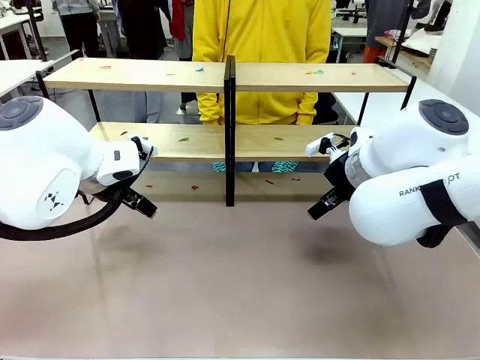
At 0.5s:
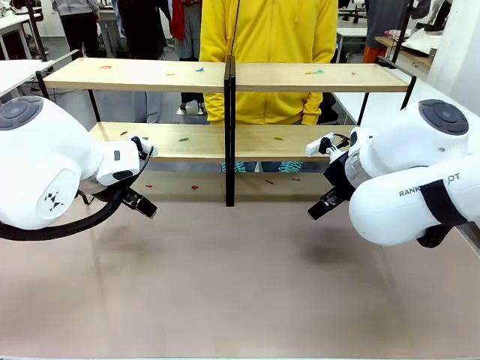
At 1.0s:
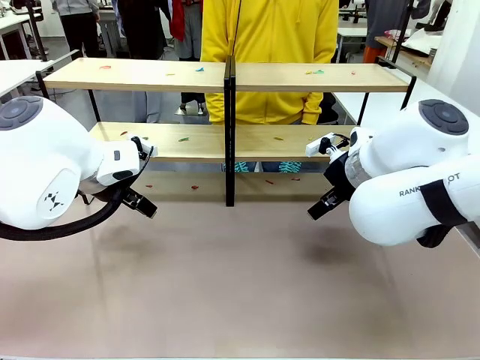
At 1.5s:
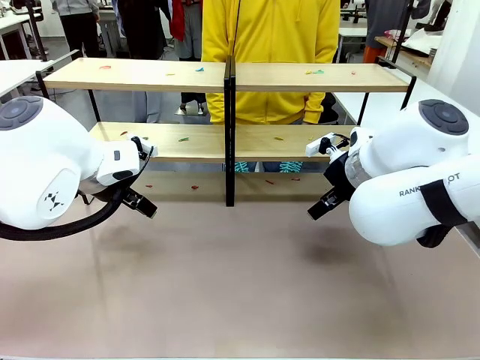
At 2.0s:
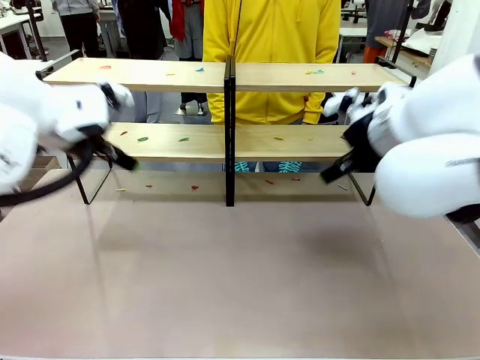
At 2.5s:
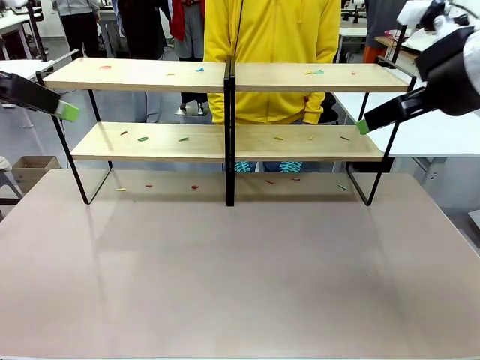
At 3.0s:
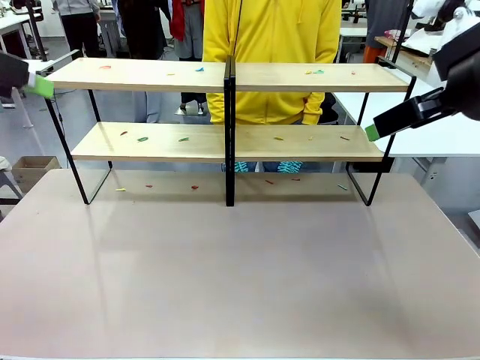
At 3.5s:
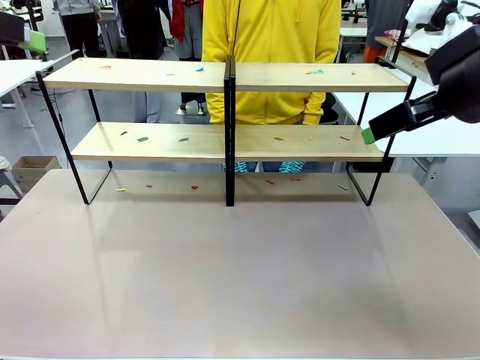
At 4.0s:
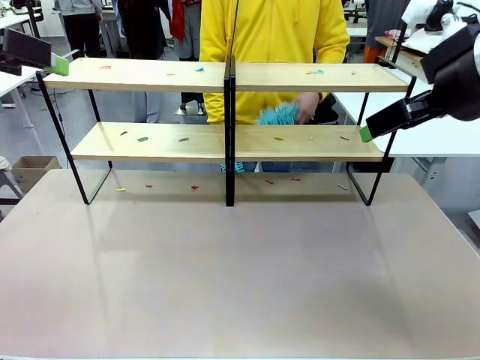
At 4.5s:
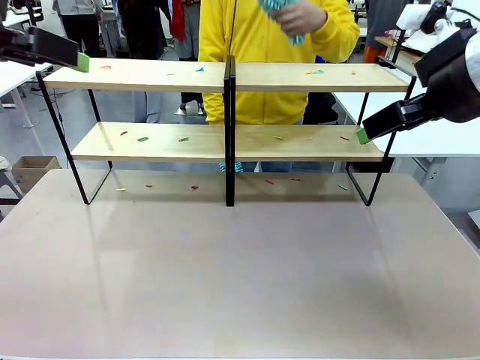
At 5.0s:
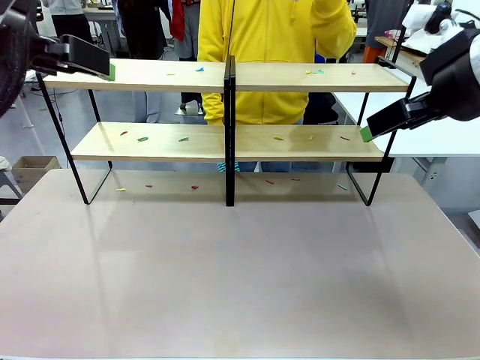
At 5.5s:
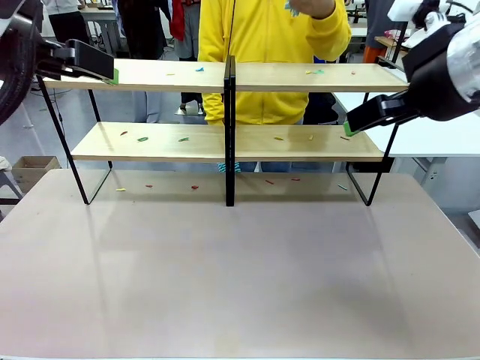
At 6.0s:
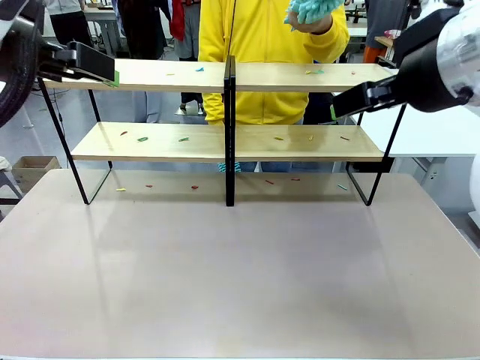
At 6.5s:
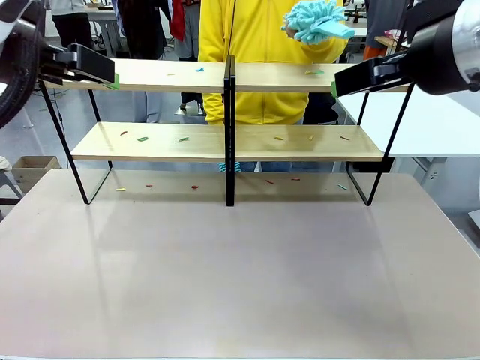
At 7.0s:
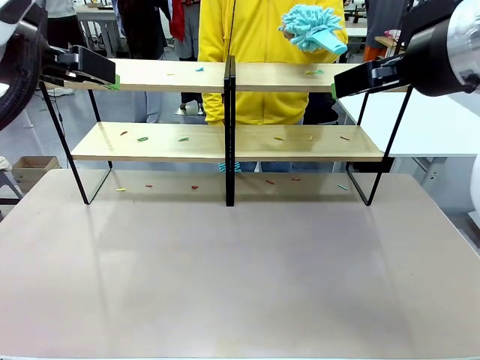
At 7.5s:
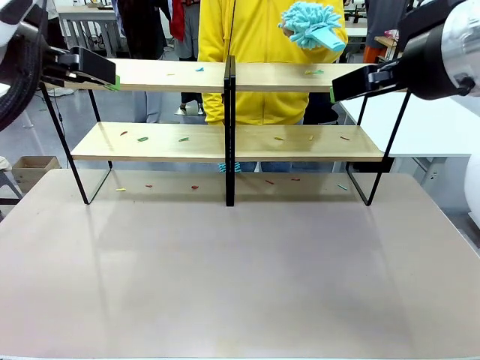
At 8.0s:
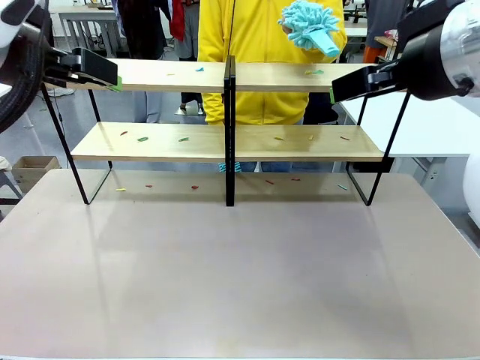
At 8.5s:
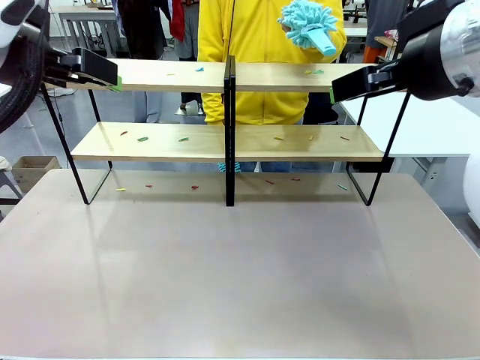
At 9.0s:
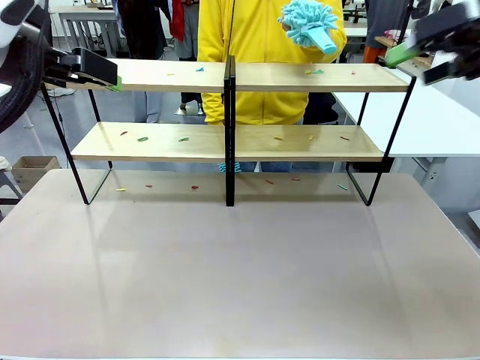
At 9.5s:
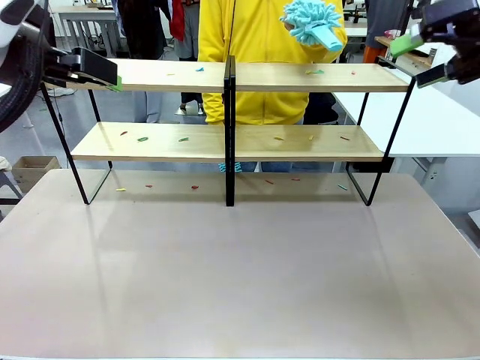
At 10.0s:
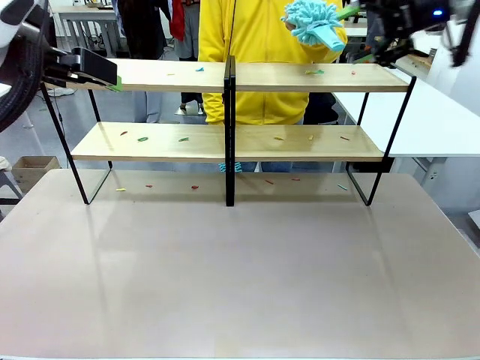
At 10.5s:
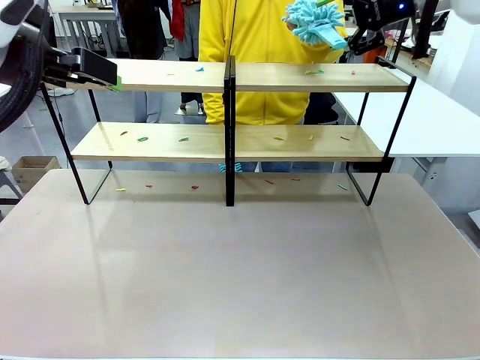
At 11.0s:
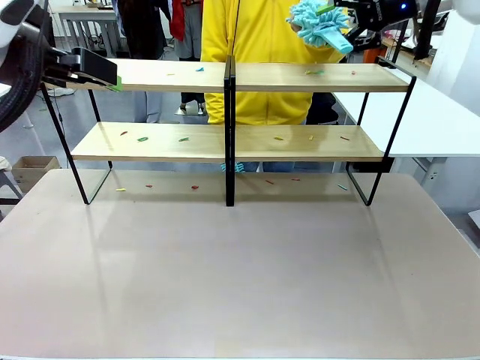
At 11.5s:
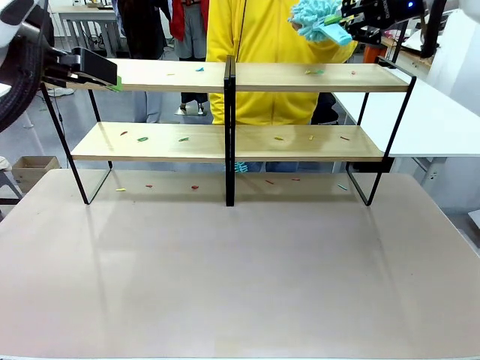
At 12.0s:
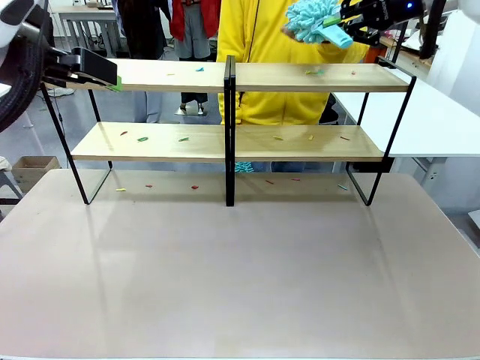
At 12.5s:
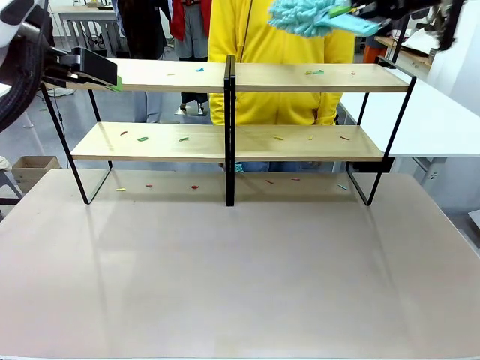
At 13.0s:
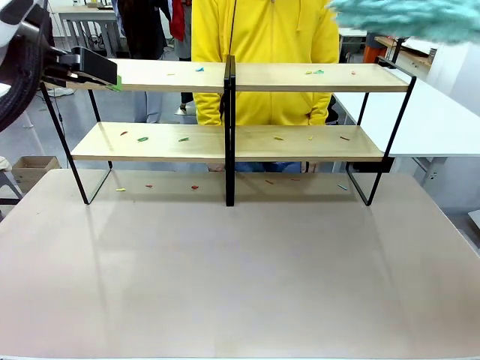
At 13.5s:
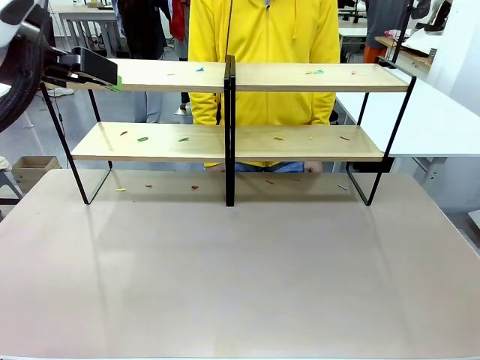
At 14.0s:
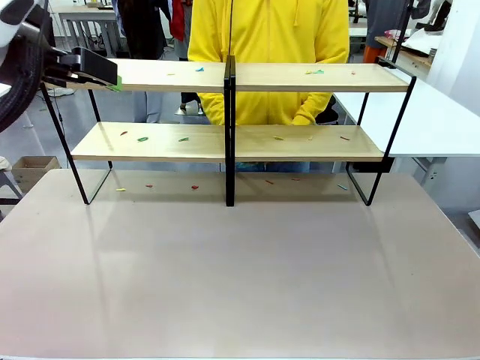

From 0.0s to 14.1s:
Task: Clean the shelves.
Robot: Pick up the Duster when the human hands it over.
Person: Hand the Duster to the robot with your right (or left) hand.

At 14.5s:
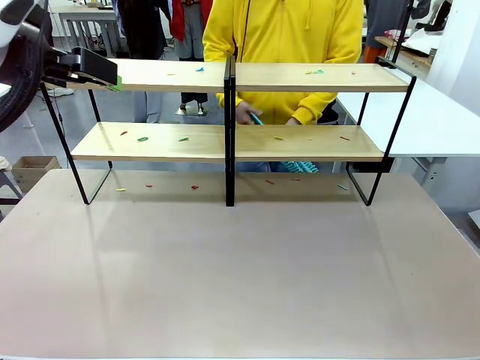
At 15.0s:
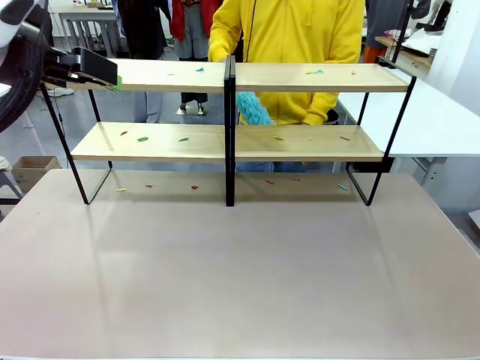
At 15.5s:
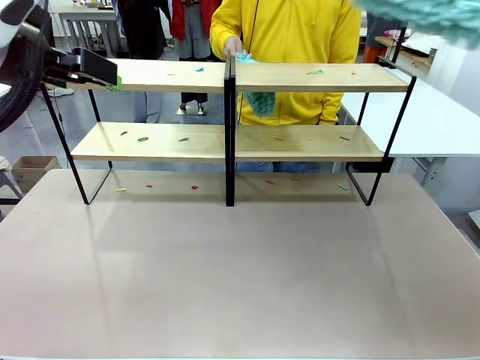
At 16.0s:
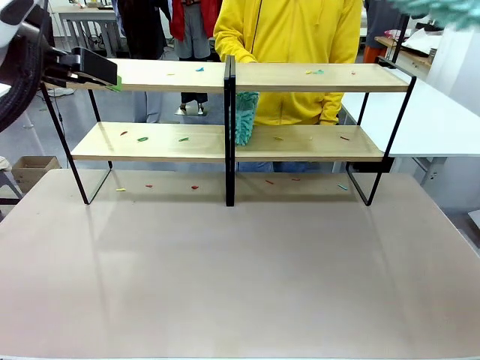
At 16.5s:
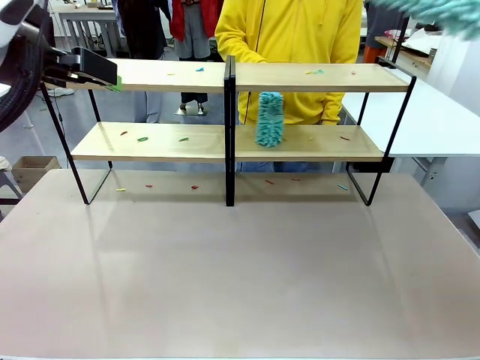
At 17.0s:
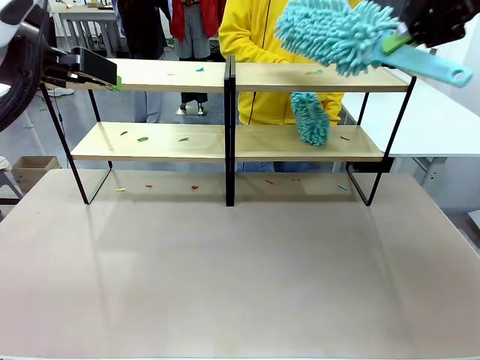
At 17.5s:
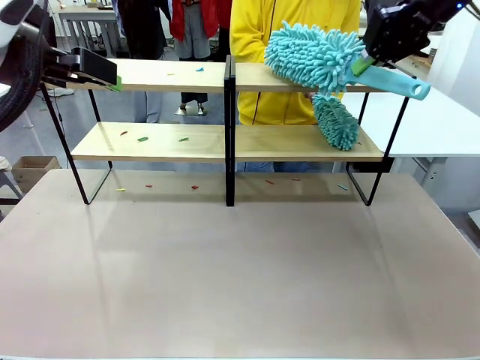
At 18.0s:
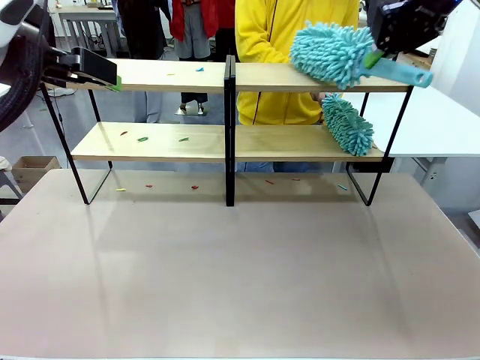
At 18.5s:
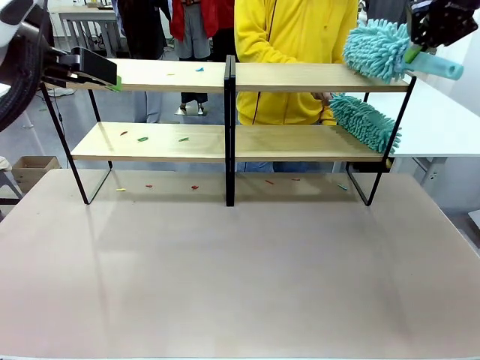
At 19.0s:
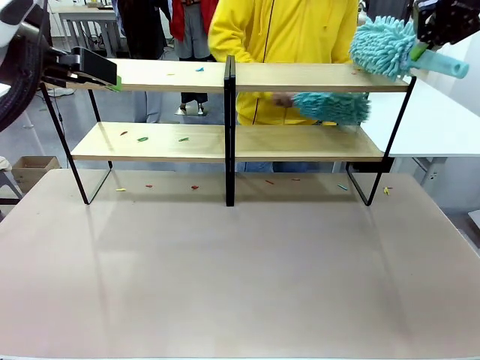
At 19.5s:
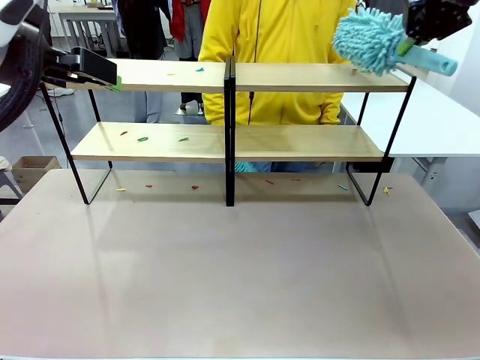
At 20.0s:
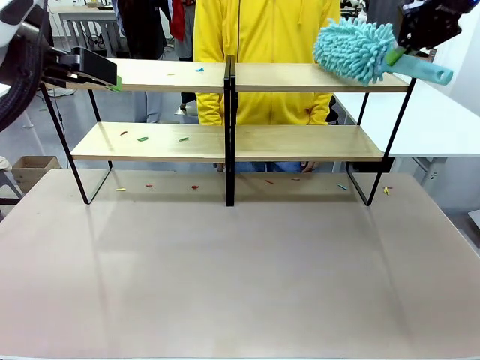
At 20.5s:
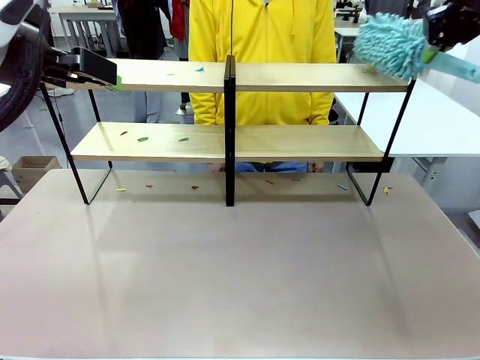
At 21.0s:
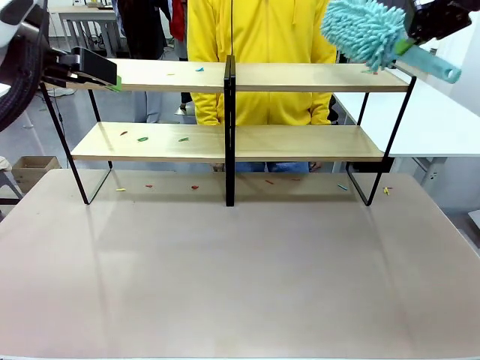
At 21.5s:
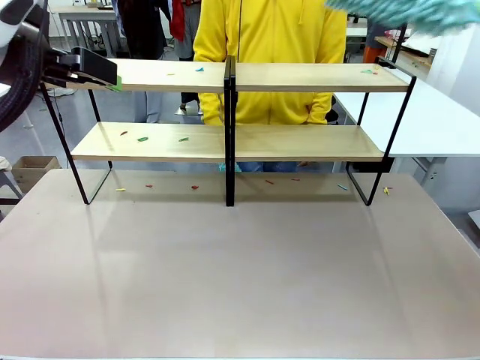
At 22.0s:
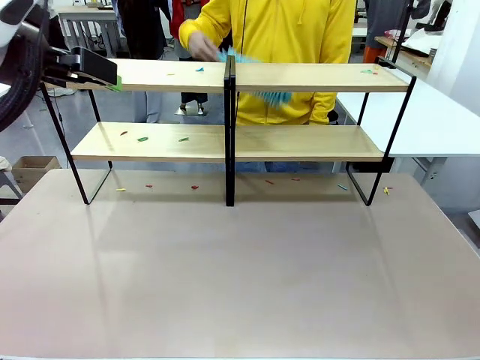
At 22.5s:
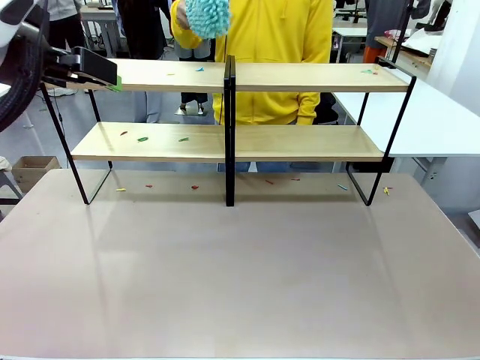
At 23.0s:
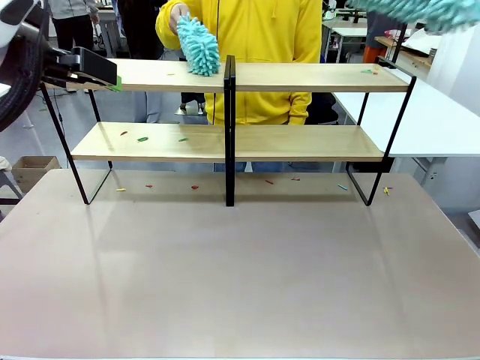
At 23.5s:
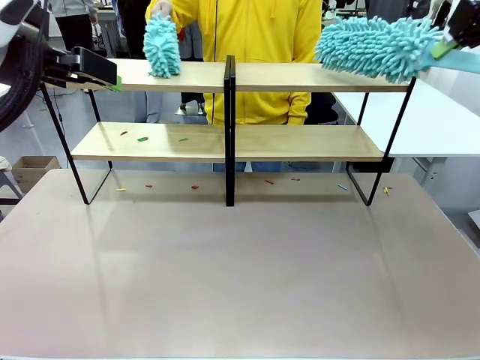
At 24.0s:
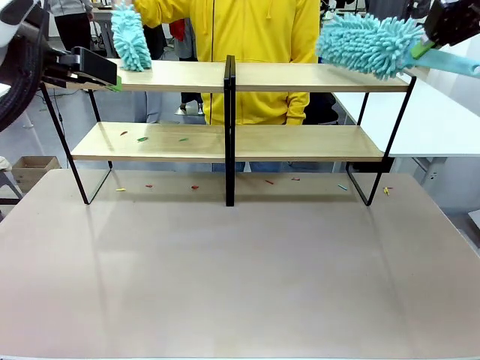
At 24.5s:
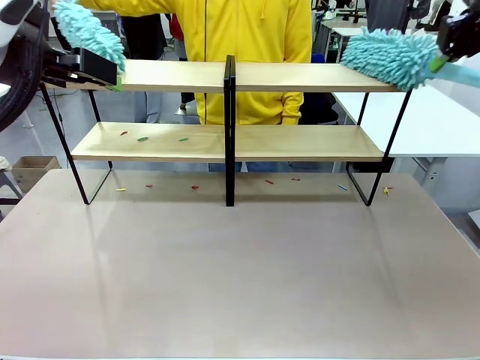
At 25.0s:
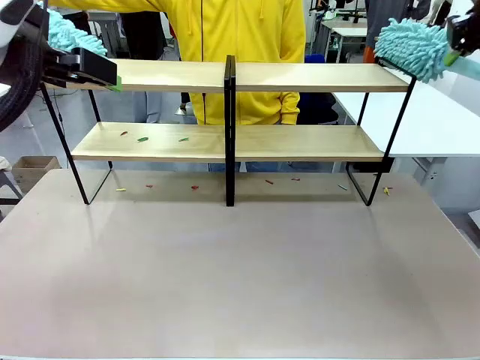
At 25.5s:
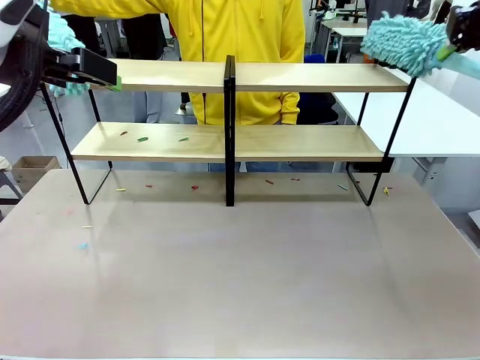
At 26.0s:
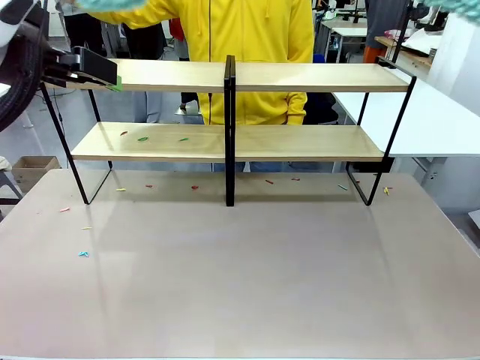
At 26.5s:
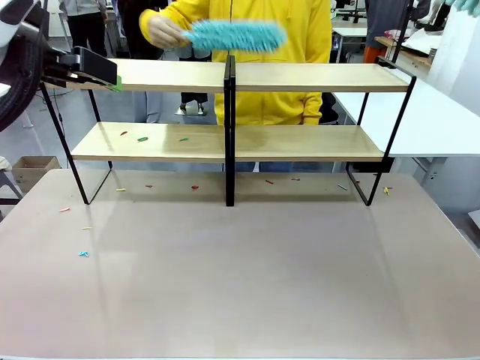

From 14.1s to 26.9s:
Robot: Clean a randomly selected level of the Shelf with the Duster.
